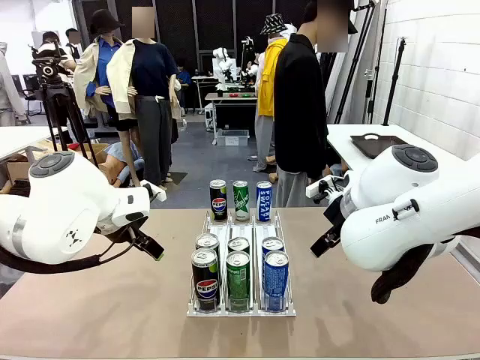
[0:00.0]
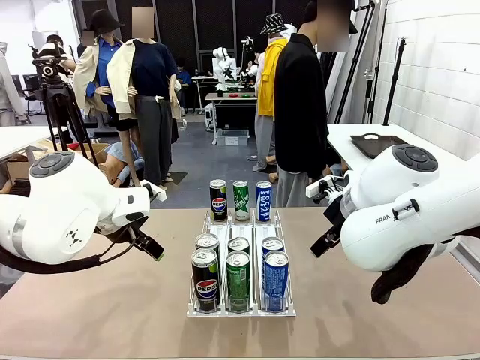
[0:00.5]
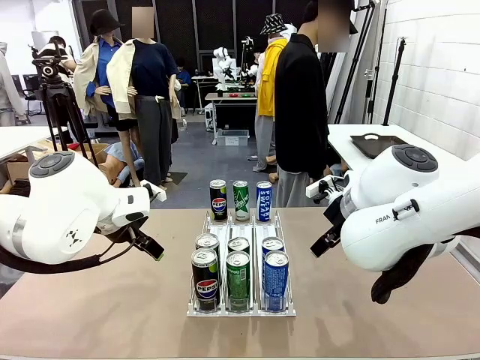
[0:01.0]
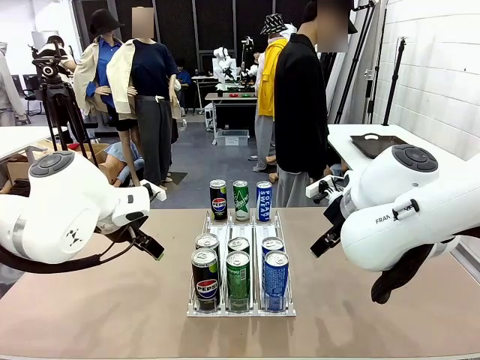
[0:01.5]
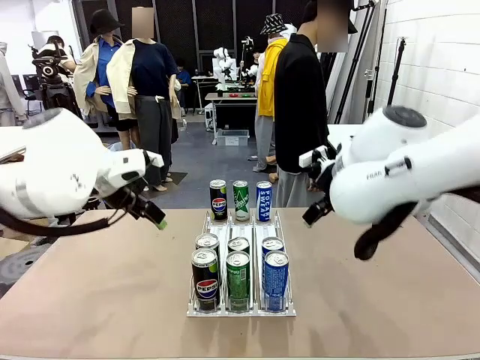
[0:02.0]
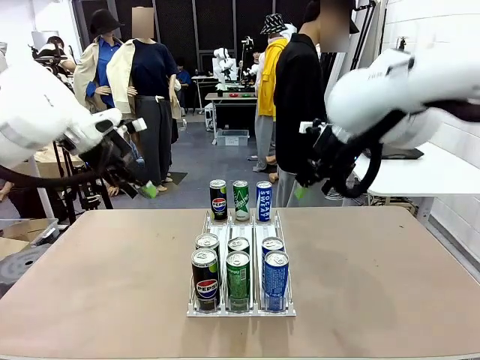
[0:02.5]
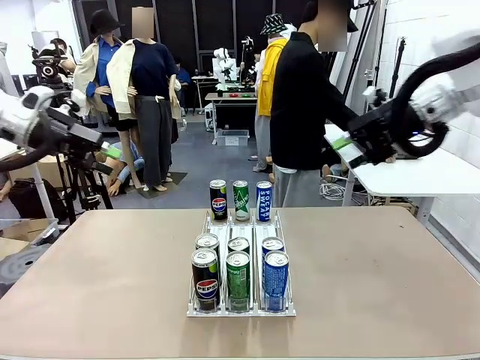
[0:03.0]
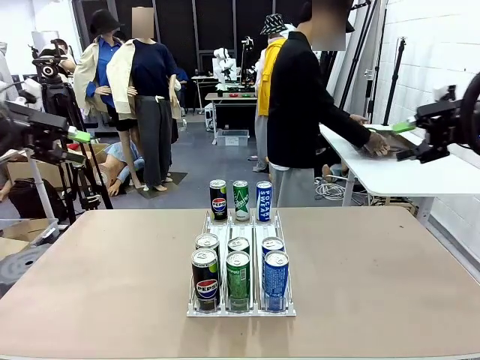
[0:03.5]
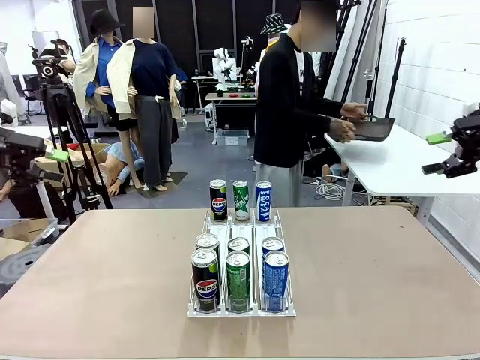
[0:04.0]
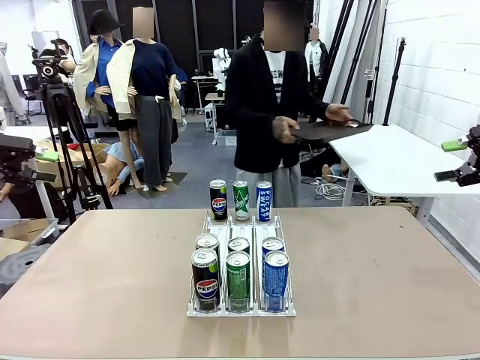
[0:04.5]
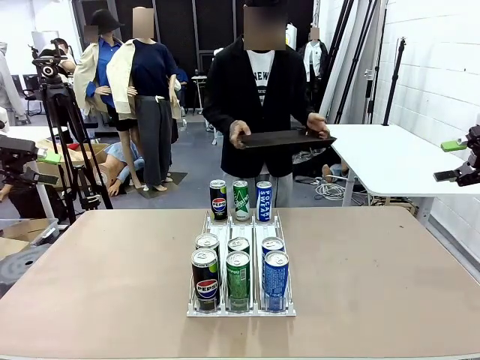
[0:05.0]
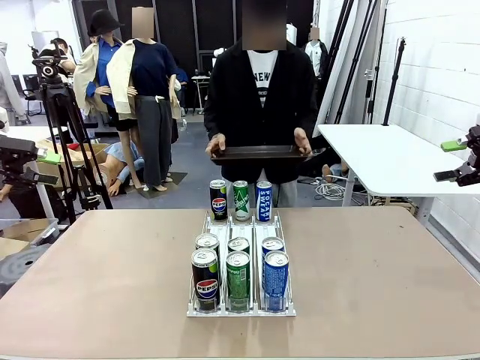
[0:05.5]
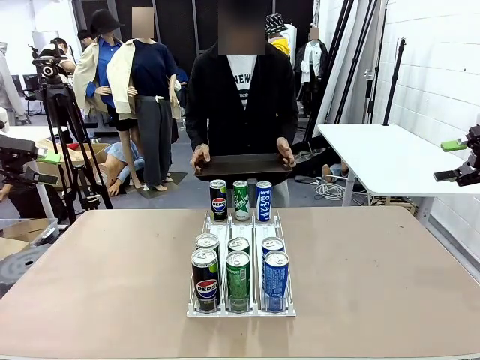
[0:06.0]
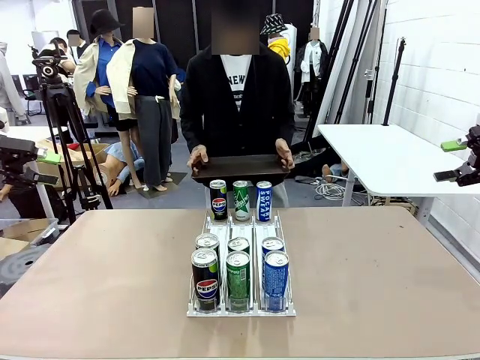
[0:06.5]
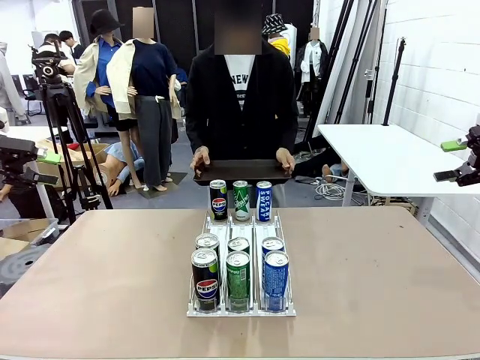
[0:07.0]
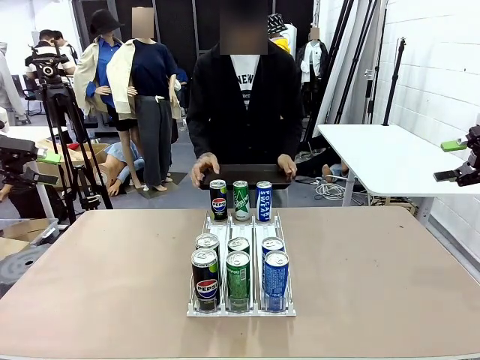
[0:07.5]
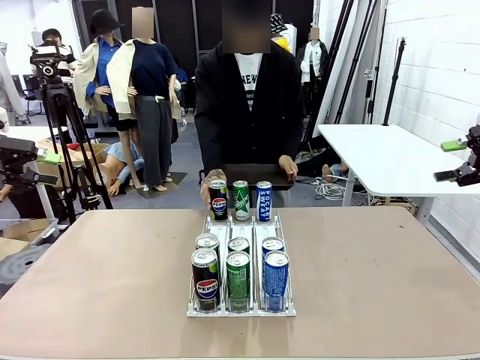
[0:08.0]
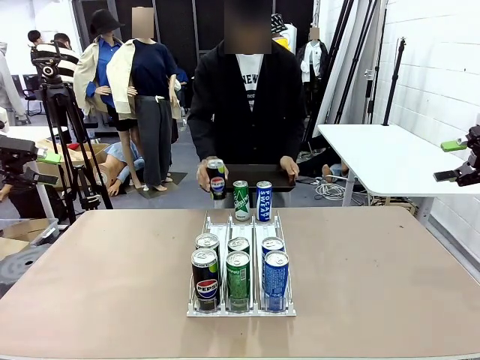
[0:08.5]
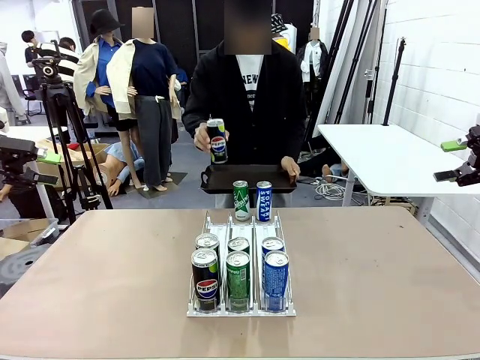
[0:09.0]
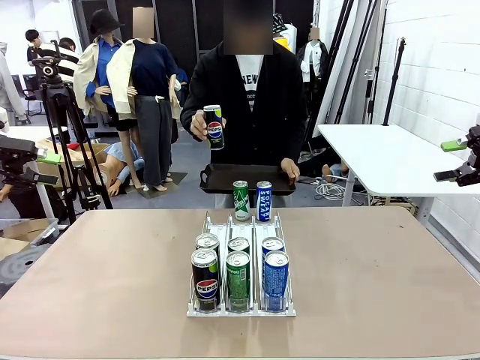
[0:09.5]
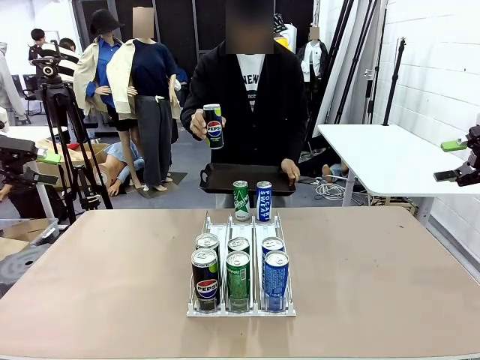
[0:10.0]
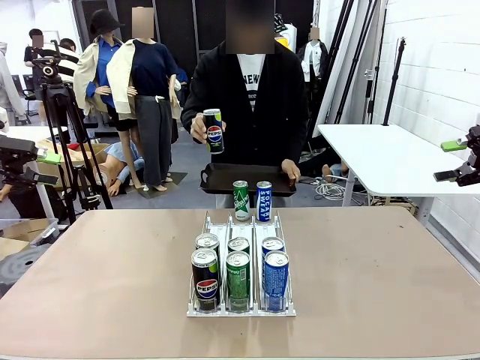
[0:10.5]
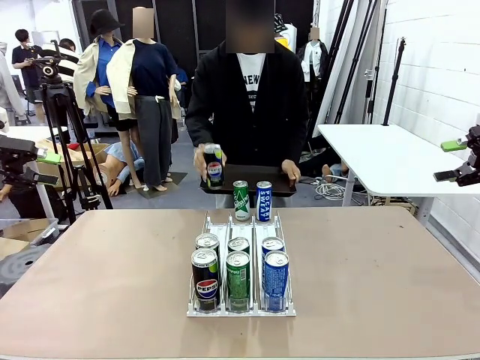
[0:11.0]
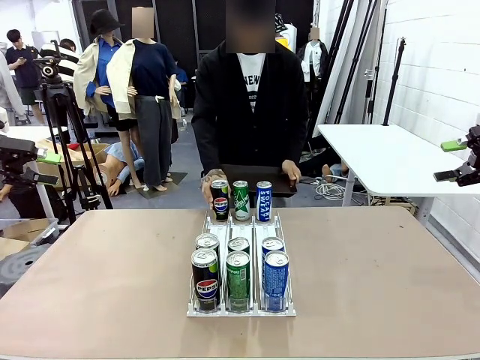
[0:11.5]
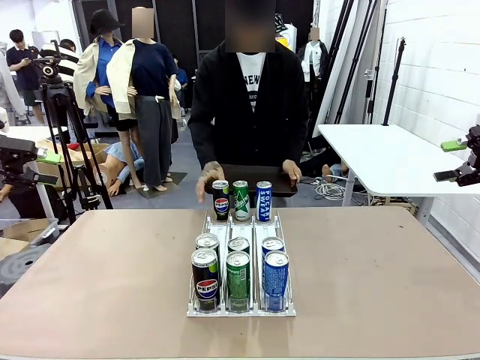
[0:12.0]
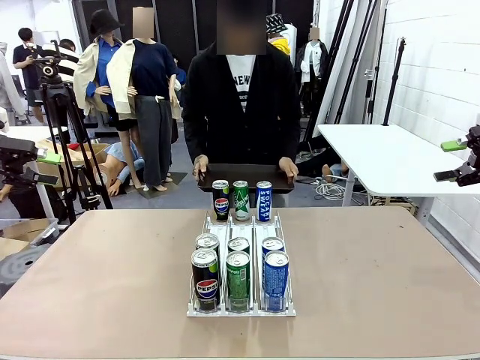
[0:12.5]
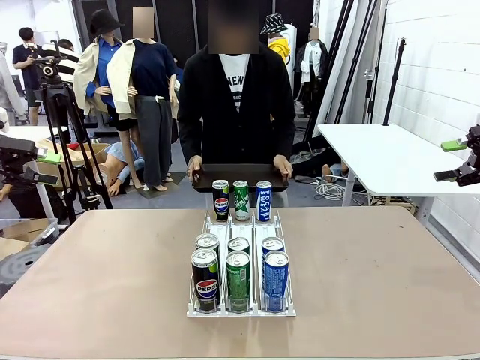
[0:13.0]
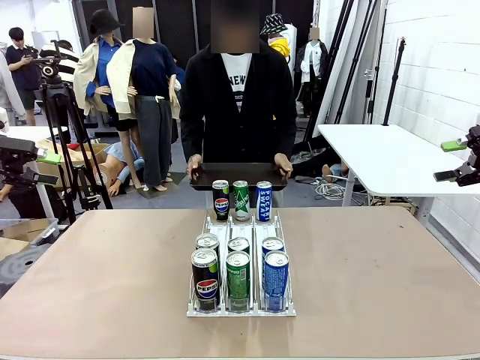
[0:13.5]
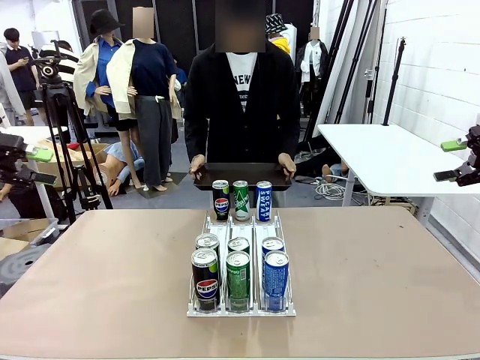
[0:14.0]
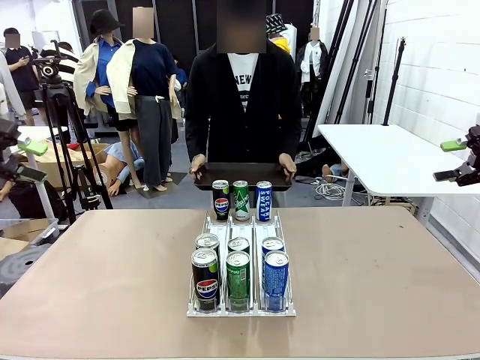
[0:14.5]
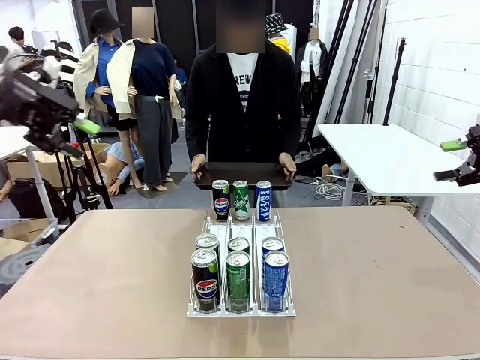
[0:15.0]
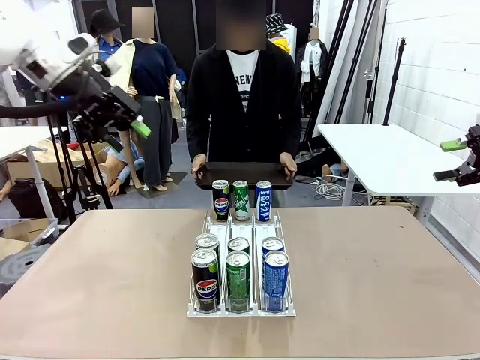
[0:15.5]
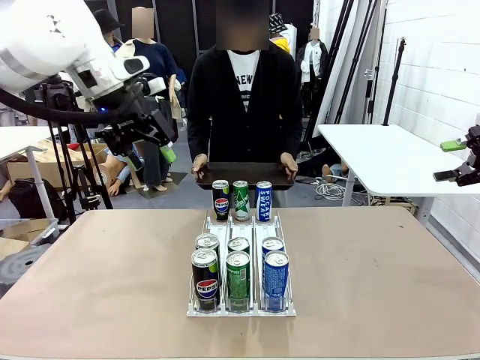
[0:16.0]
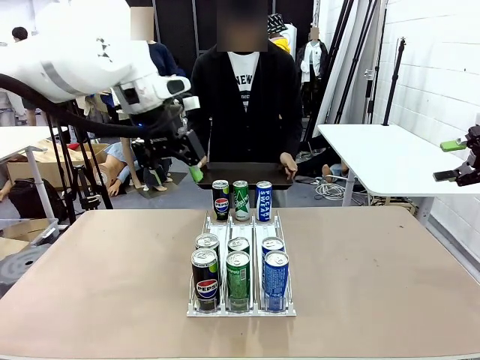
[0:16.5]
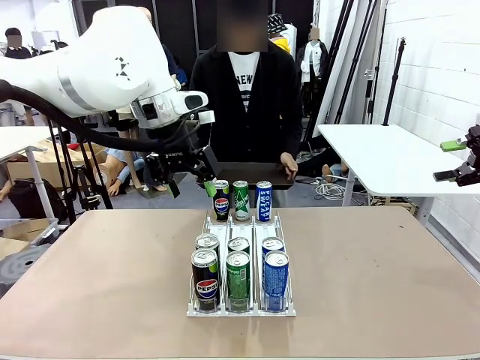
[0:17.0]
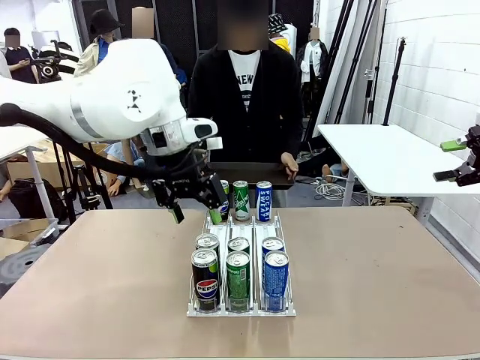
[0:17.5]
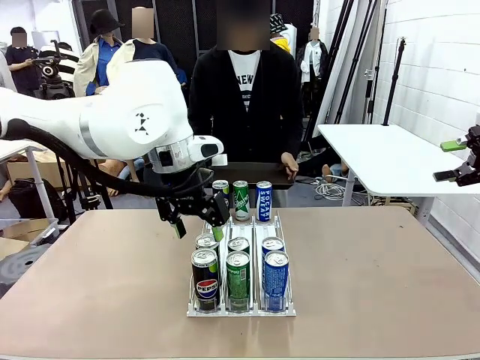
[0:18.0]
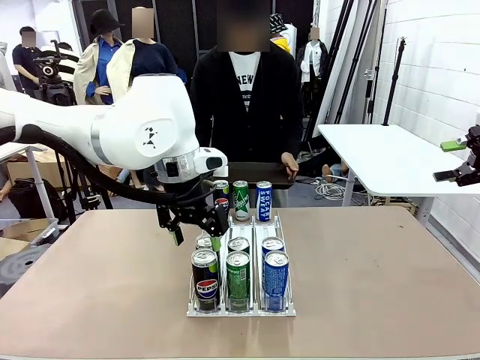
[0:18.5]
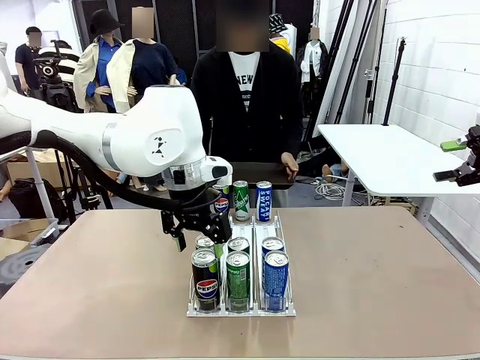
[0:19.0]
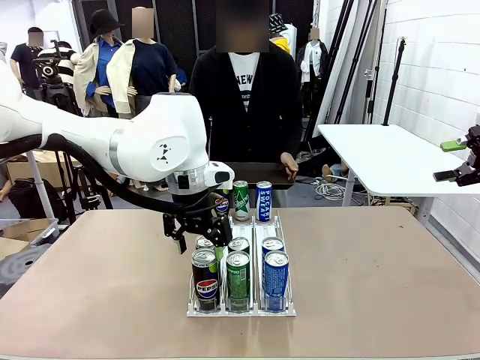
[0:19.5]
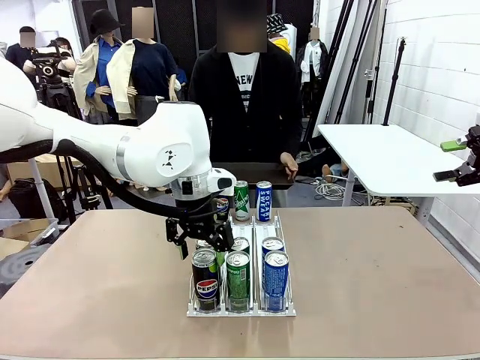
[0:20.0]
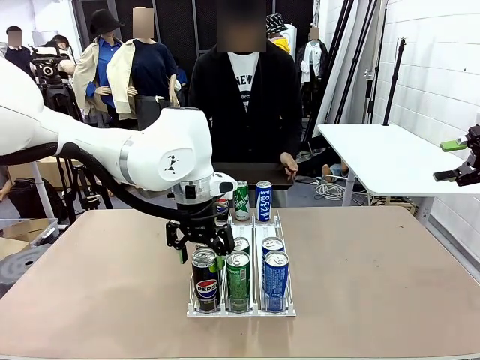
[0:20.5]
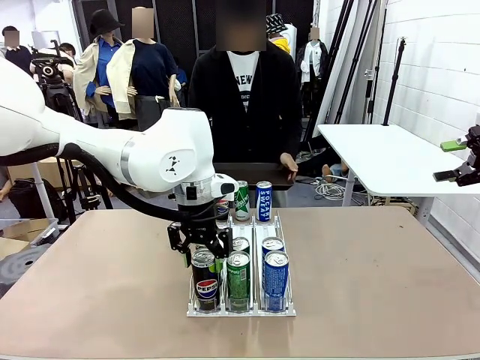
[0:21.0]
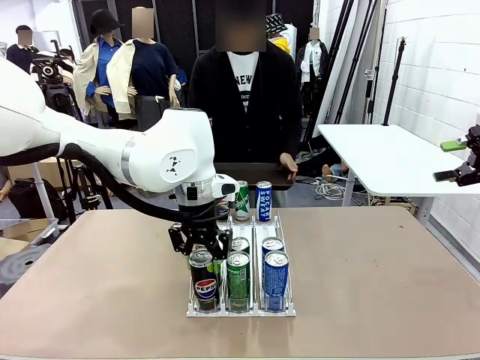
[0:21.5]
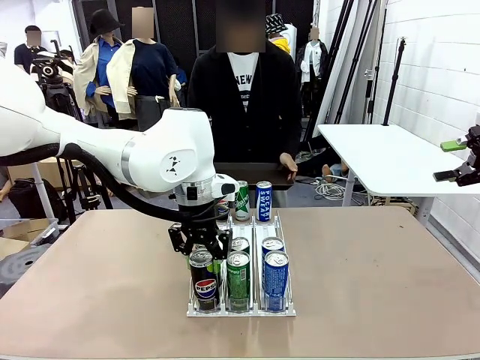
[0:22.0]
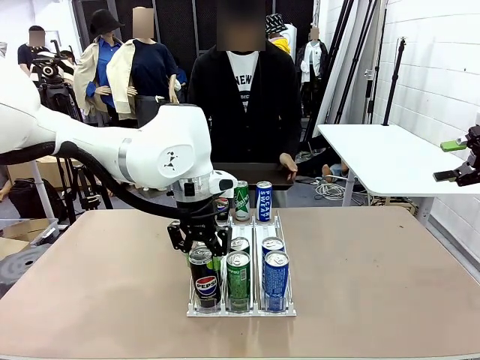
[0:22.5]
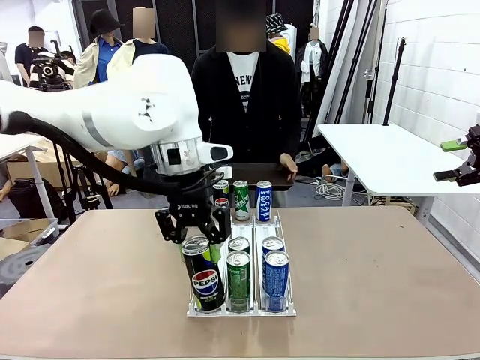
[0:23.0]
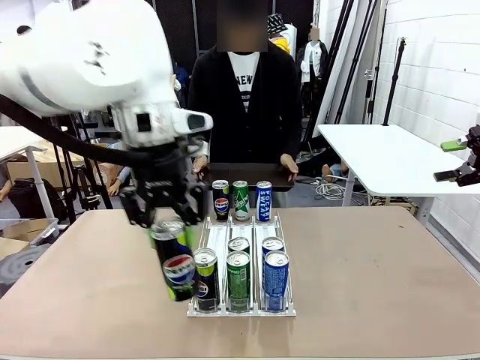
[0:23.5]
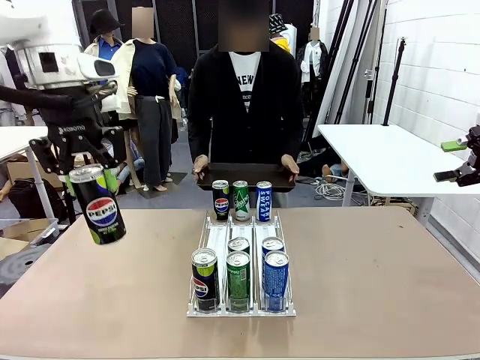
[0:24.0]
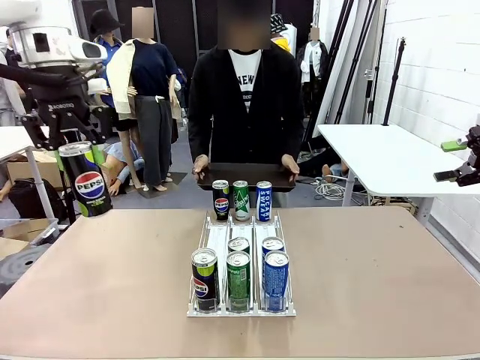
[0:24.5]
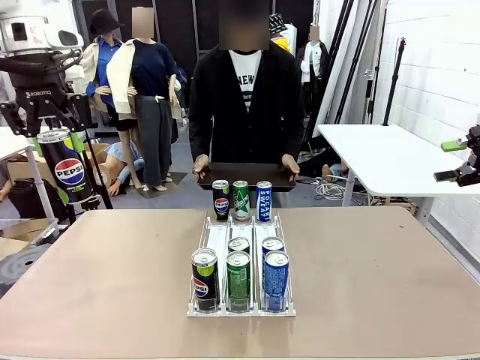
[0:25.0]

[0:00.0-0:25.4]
Task: Retrieve and hand over the desired beverage to the person.
Robot: Pick up a can of the same type that the person held from the Automatic Can Dispenser.
Person: Hold the tray and position yourself in front of the robot table. Pick up one can from the bottom area of the table and puts it back in its original place. Push the tray toward the robot.
